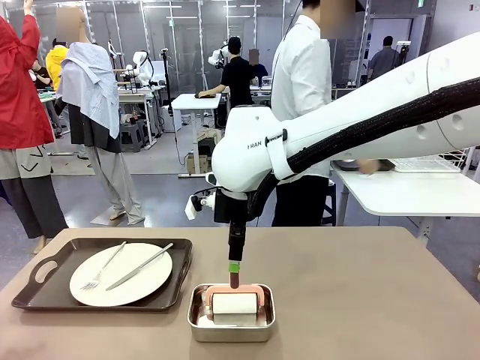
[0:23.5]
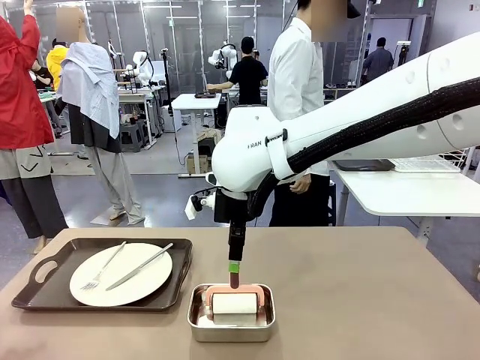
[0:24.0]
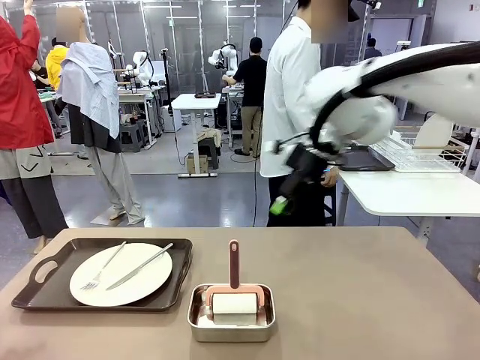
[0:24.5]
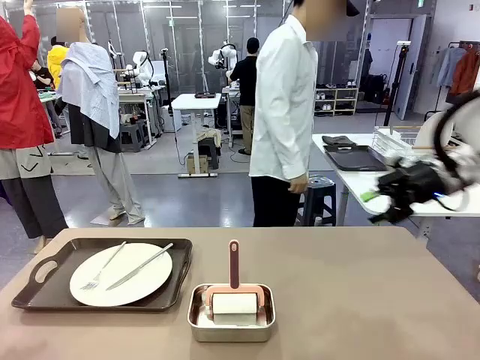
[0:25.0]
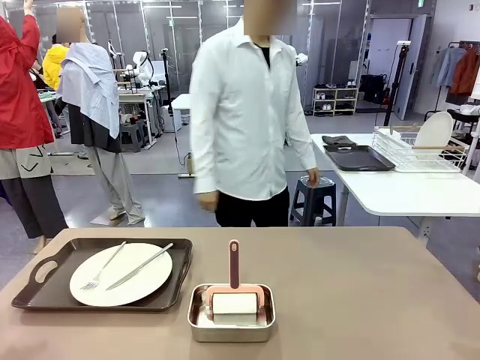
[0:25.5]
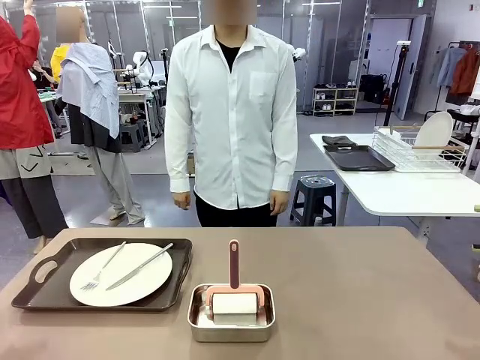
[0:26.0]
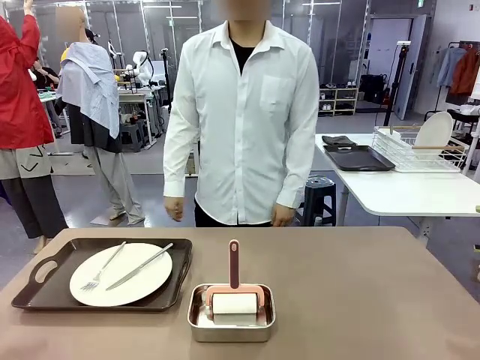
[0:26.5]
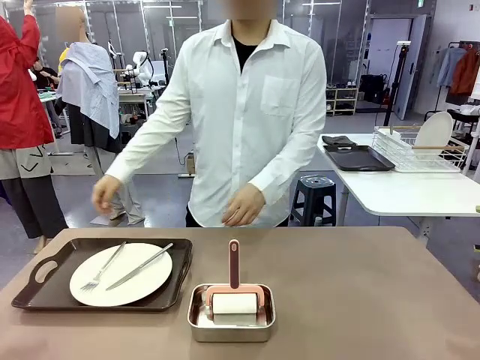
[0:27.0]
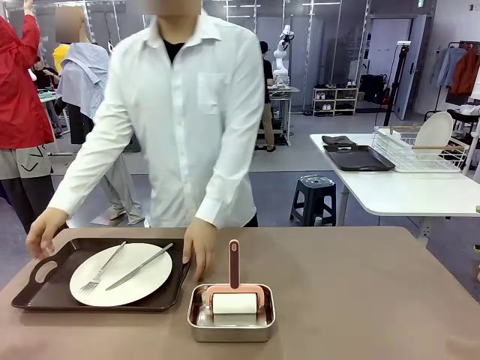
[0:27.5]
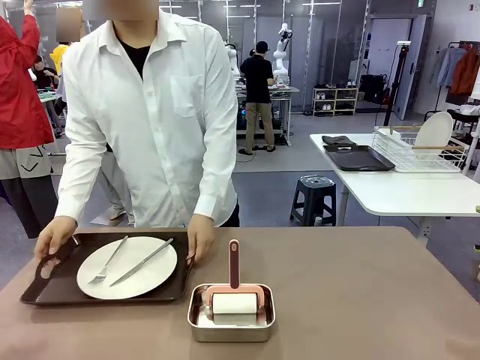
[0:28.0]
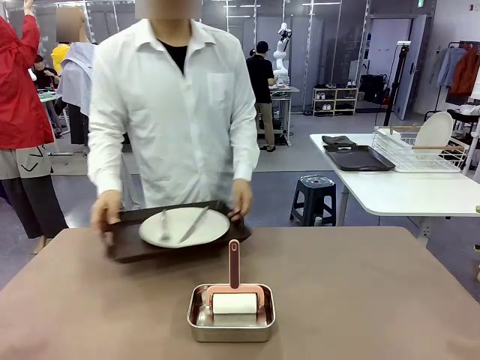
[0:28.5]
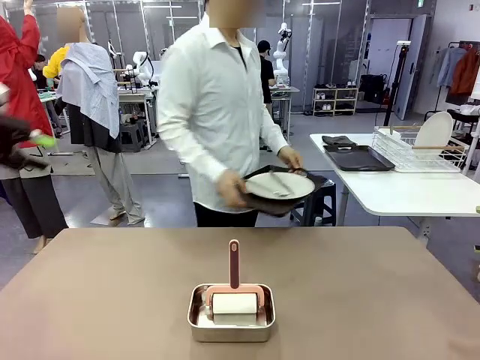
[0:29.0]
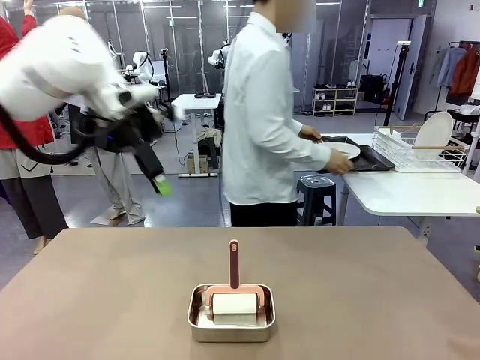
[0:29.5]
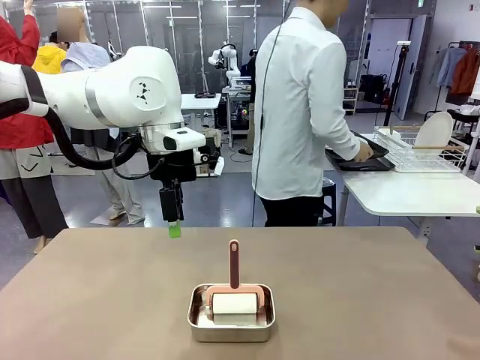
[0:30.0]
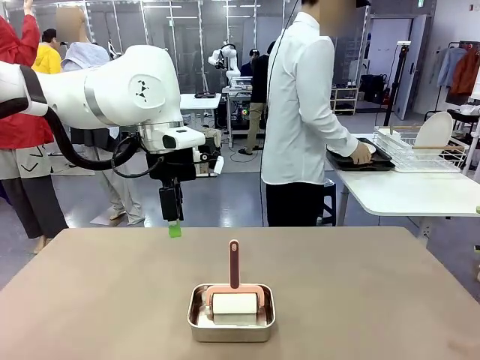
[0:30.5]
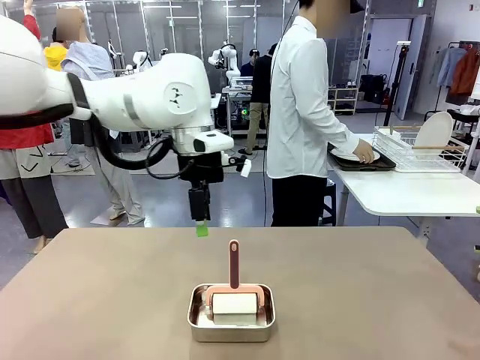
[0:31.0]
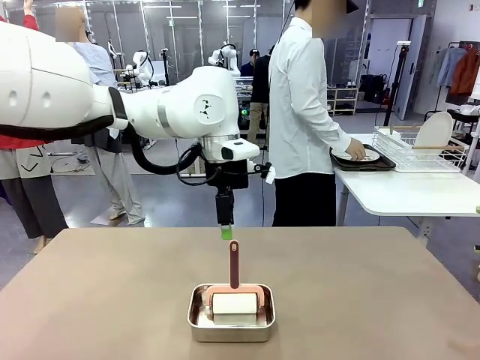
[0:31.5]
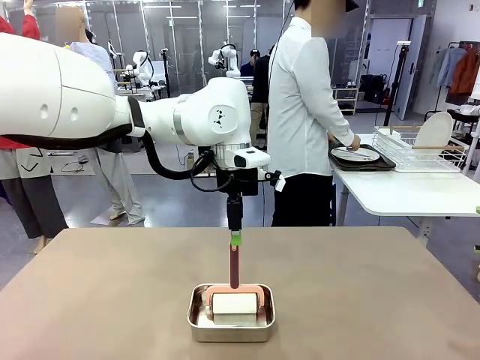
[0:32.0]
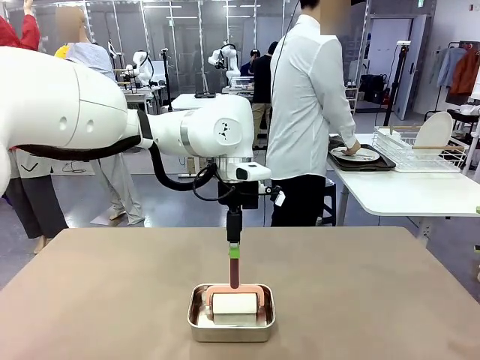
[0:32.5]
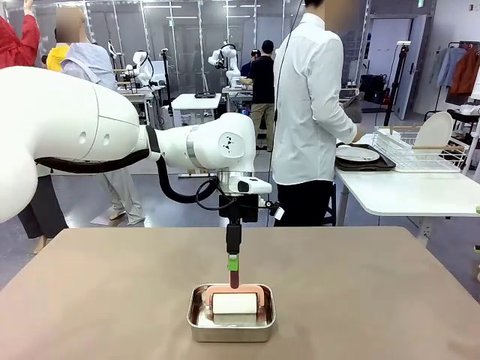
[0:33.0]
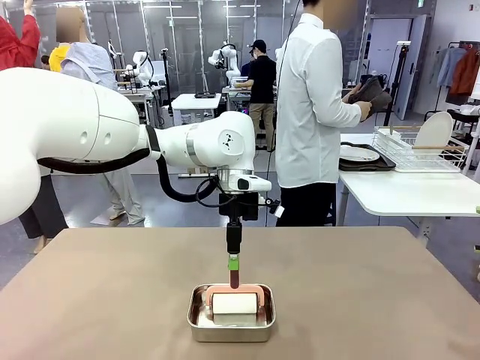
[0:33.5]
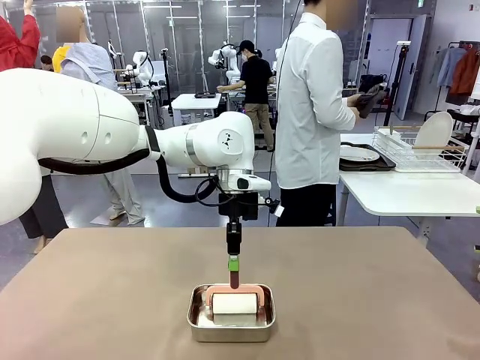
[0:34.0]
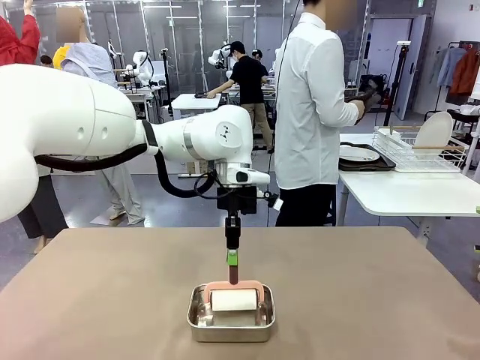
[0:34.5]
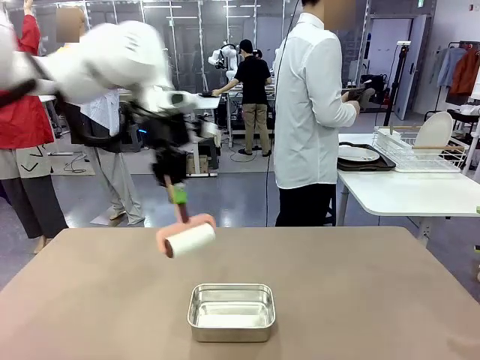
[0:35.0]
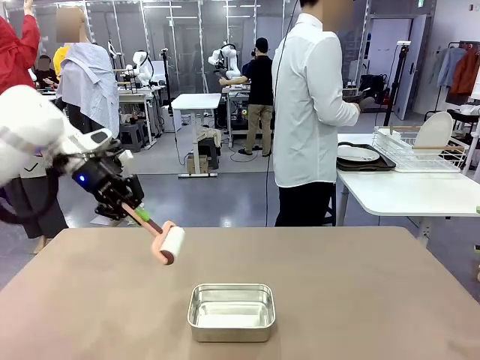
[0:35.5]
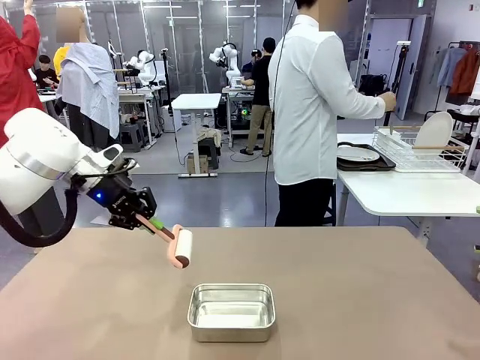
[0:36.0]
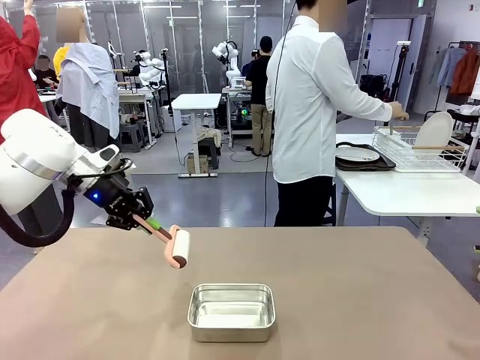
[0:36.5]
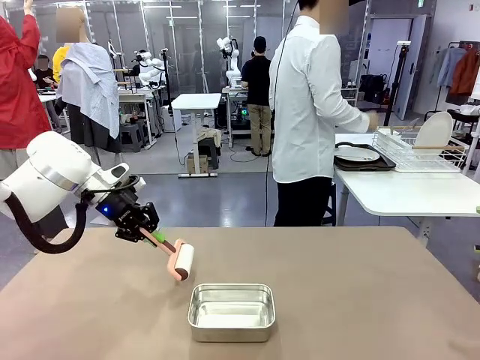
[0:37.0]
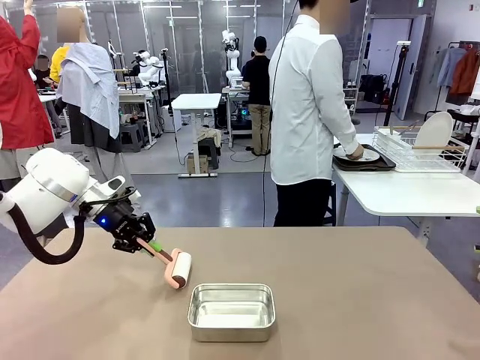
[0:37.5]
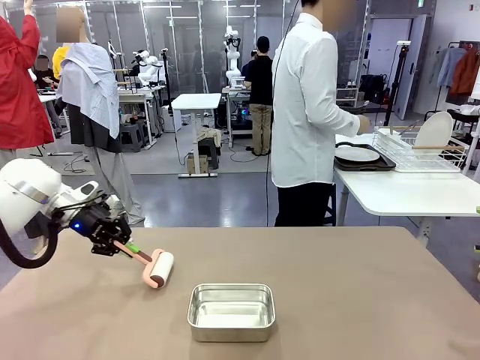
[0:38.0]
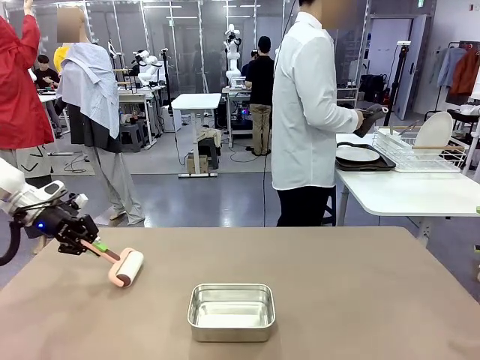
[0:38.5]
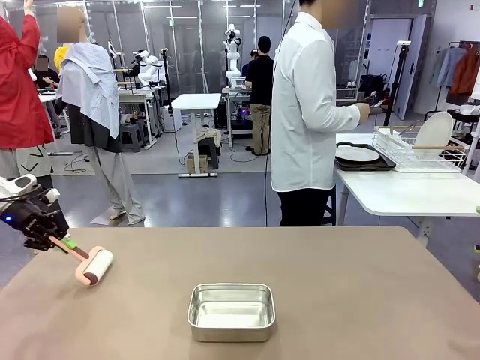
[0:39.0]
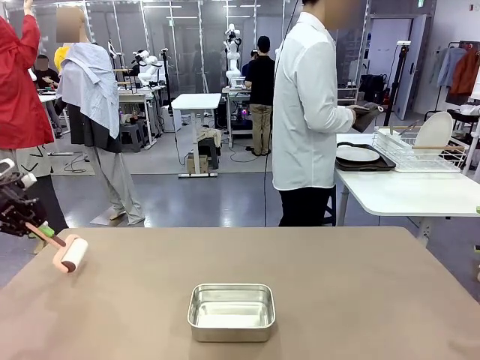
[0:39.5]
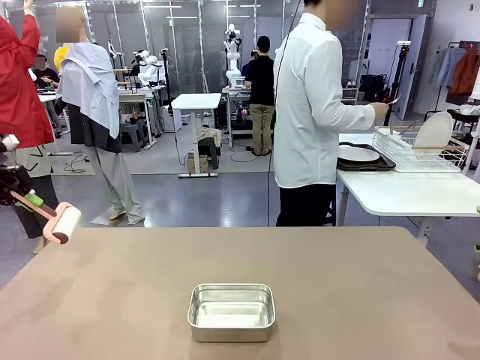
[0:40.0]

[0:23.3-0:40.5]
Robot: When the right (or left) Handle tray is removed, use the right hand (or left hand) to clean the right (or left) side of the table with the Lint Roller.
Person: Pick up the left (or right) Handle tray and place it on the Handle tray.

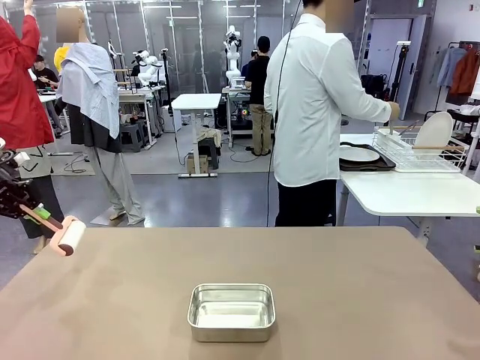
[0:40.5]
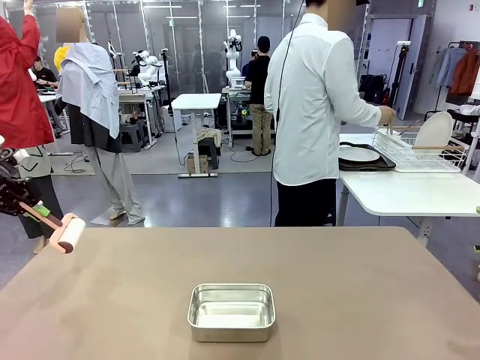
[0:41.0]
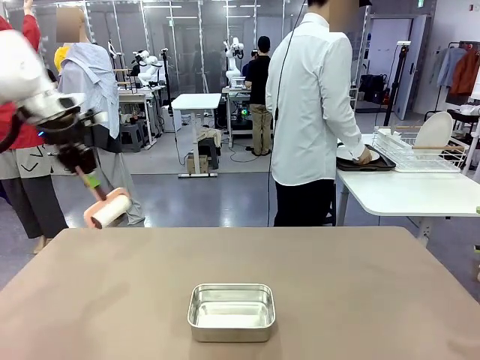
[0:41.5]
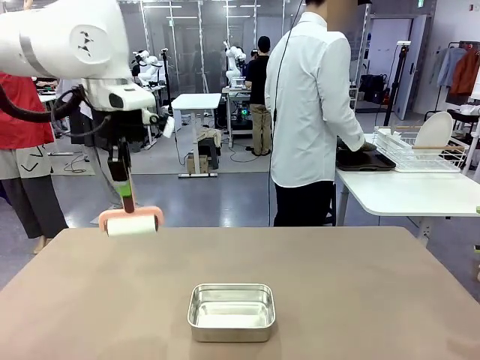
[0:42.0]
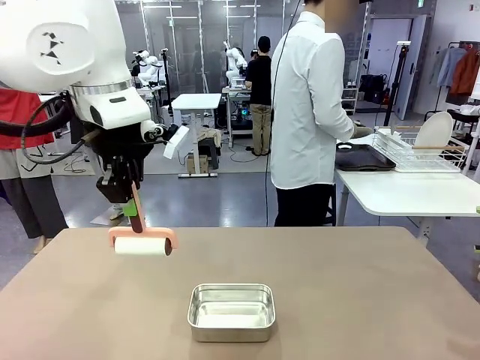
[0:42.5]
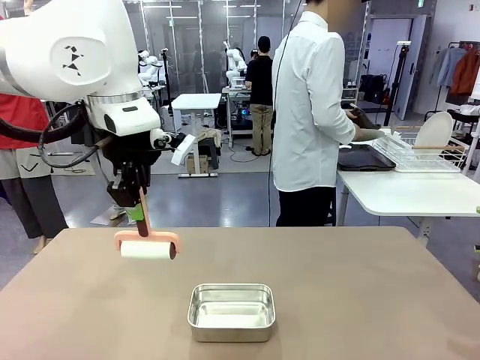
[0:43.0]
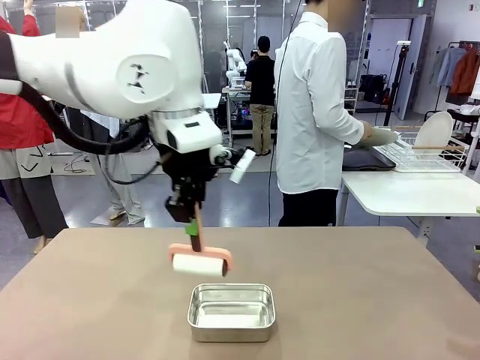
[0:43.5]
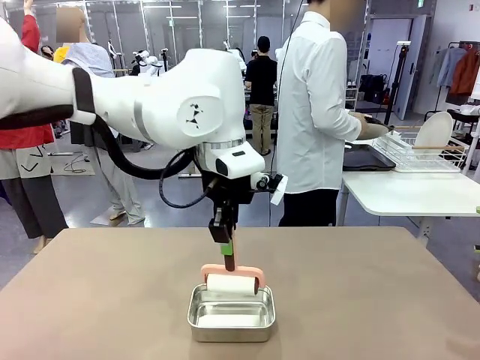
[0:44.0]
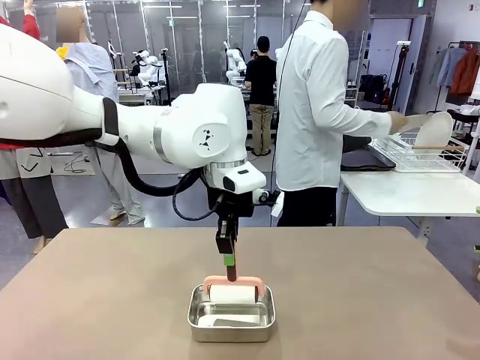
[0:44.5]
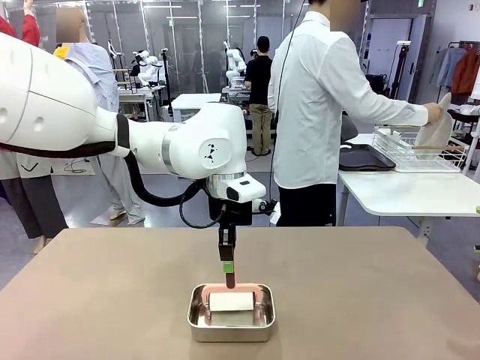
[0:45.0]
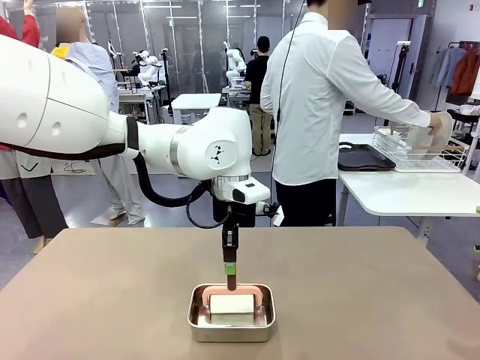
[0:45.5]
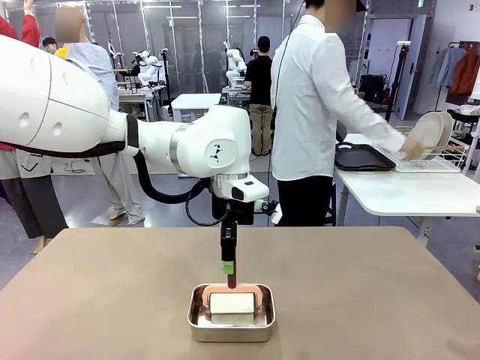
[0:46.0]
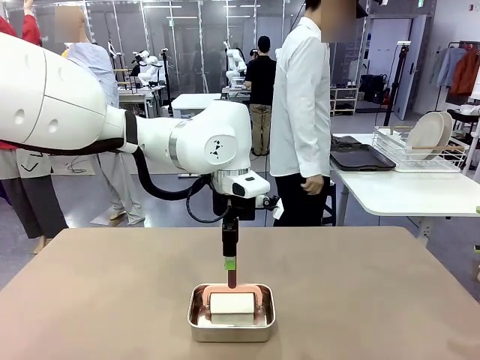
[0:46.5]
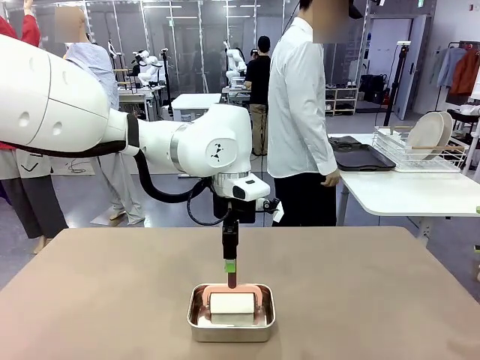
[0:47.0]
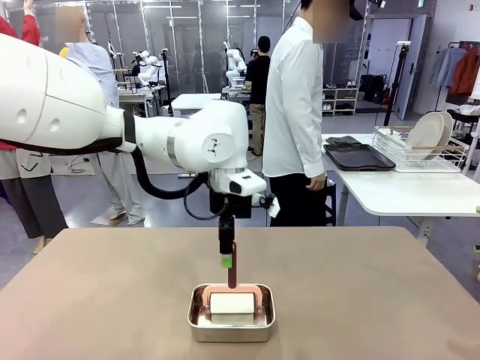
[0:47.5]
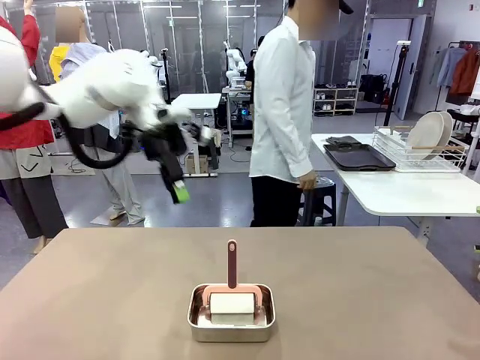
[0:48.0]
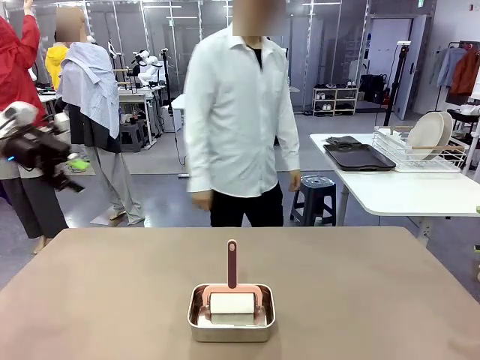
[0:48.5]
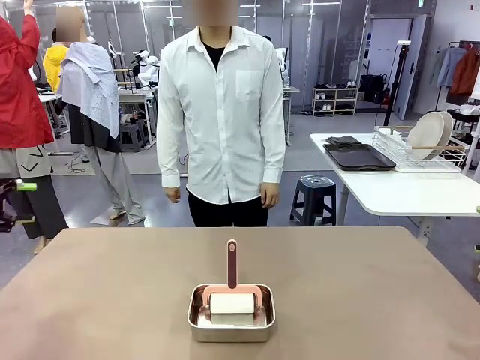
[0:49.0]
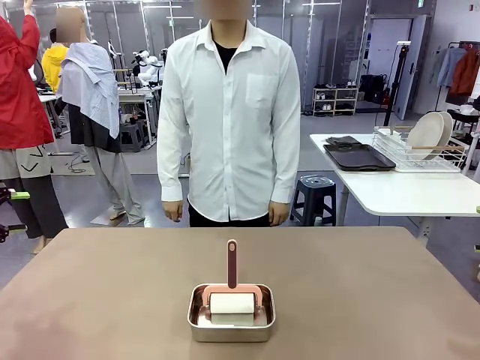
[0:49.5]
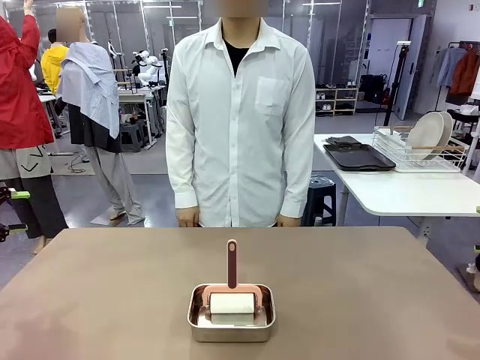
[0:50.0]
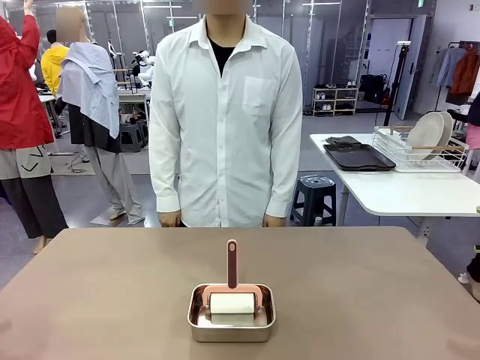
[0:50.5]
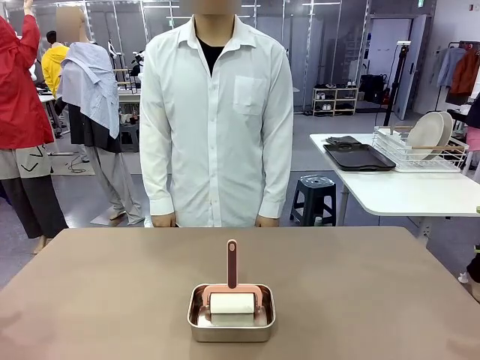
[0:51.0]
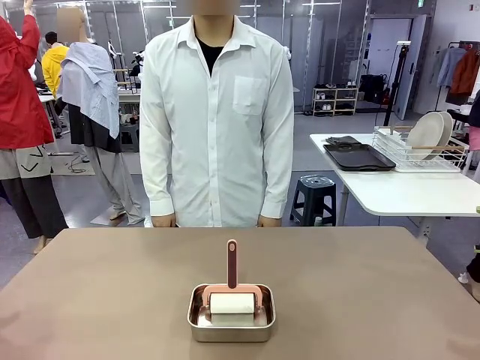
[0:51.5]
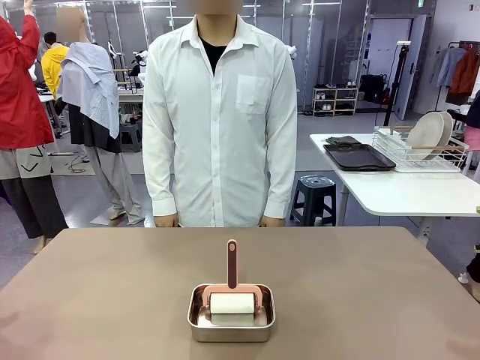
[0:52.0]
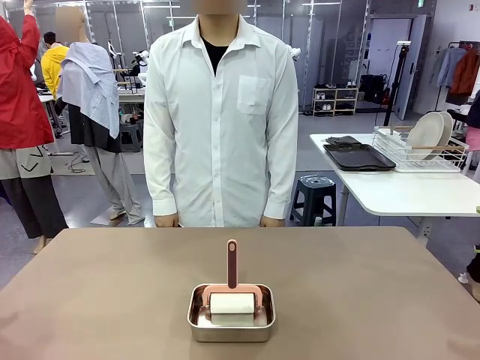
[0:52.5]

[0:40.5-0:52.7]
Robot: Place the Lint Roller back on top of the Airtight Container.
Person: Use the Towel with hook to wipe the Plastic Matte Plate , Fork , and Knife and place into the Dish drying rack.
